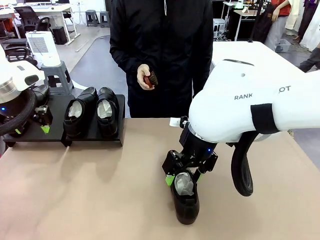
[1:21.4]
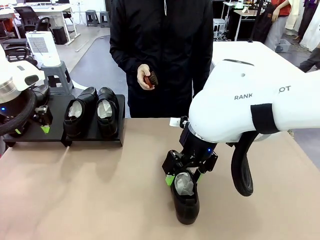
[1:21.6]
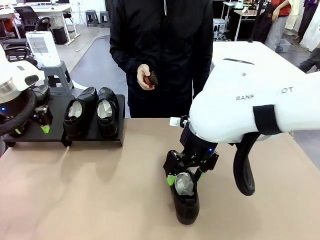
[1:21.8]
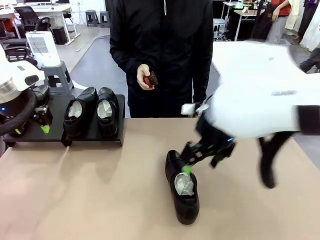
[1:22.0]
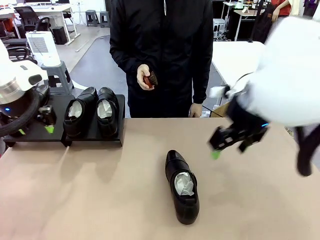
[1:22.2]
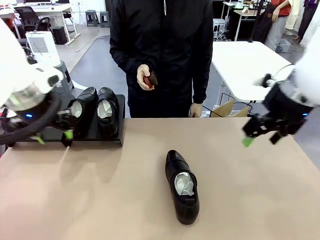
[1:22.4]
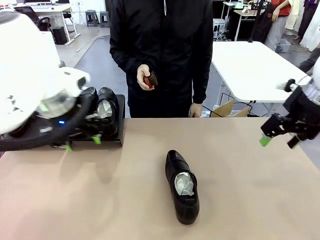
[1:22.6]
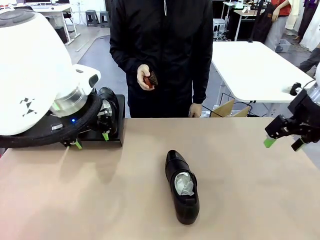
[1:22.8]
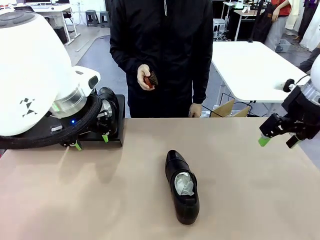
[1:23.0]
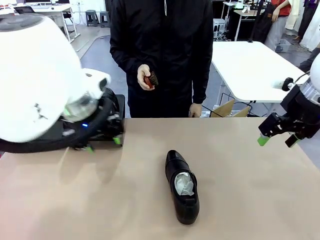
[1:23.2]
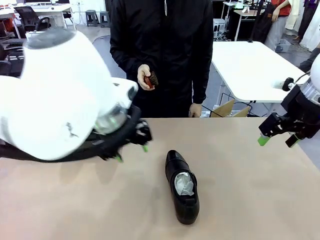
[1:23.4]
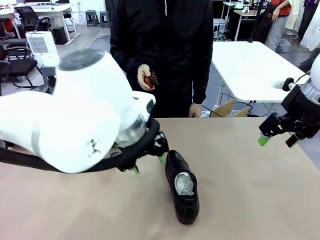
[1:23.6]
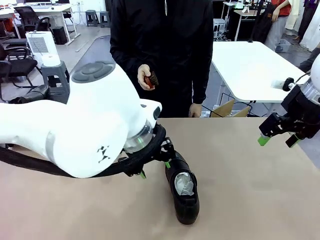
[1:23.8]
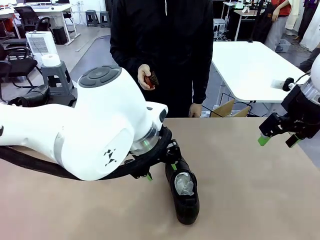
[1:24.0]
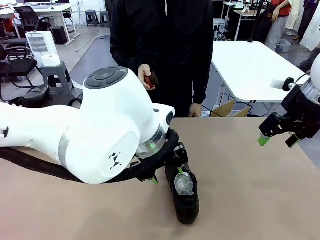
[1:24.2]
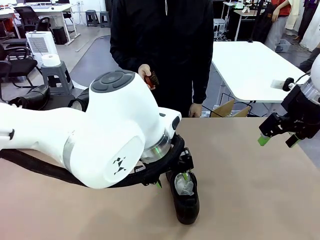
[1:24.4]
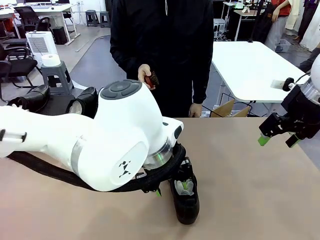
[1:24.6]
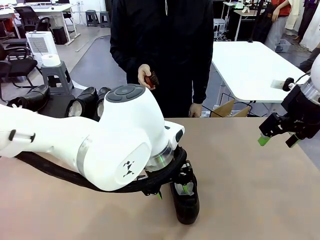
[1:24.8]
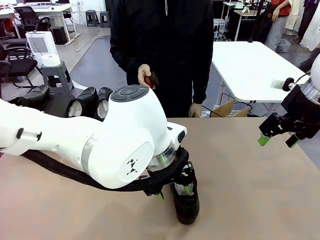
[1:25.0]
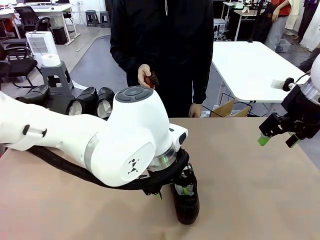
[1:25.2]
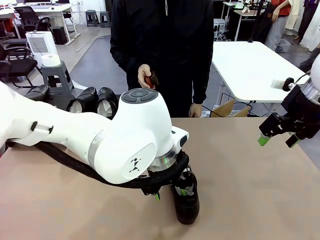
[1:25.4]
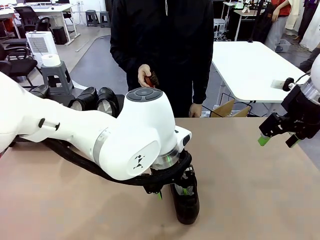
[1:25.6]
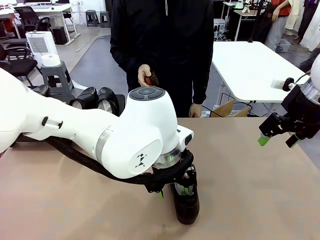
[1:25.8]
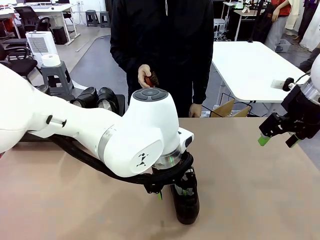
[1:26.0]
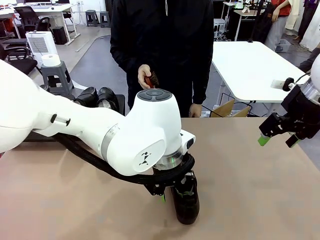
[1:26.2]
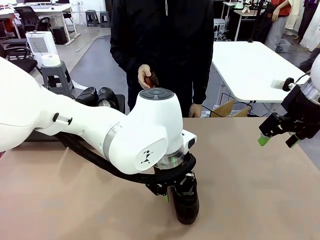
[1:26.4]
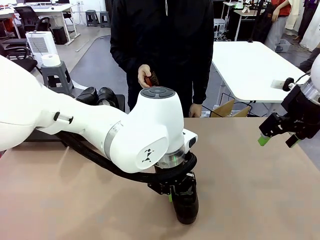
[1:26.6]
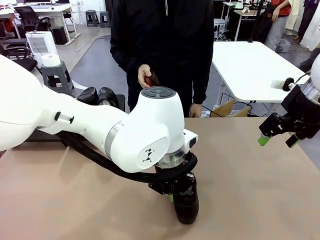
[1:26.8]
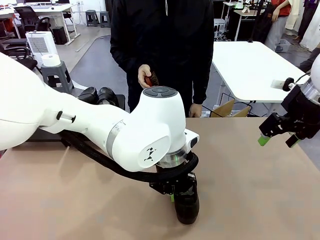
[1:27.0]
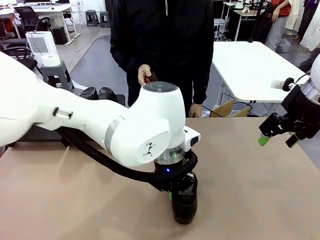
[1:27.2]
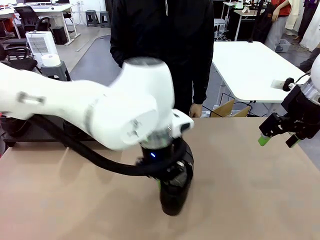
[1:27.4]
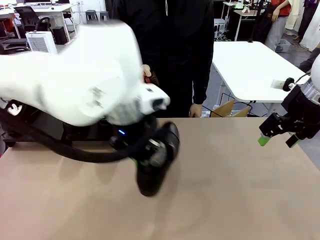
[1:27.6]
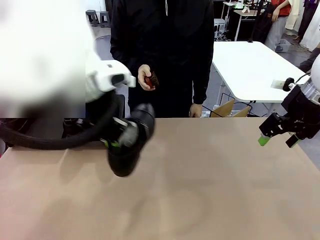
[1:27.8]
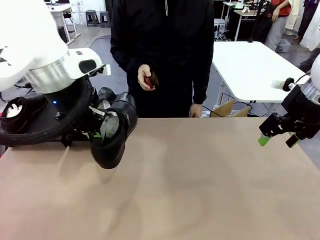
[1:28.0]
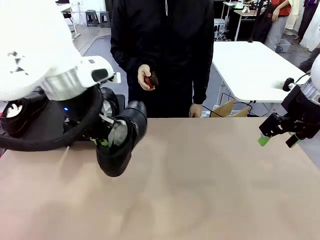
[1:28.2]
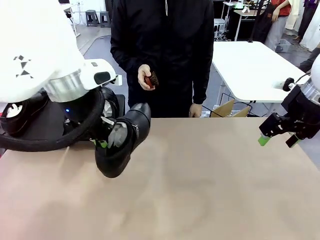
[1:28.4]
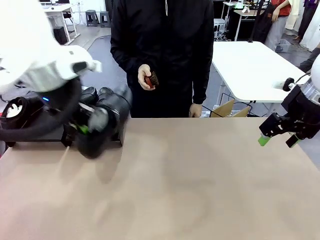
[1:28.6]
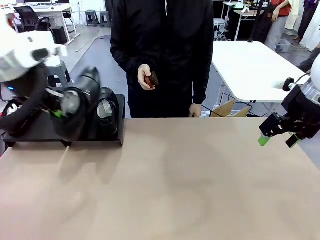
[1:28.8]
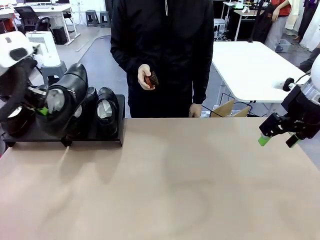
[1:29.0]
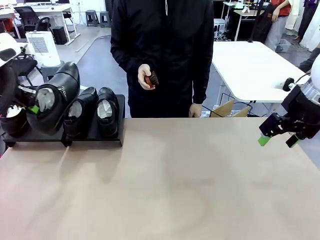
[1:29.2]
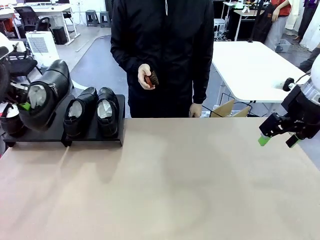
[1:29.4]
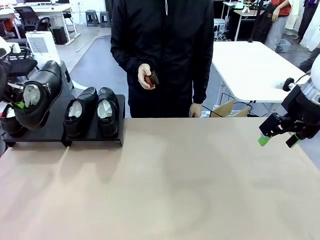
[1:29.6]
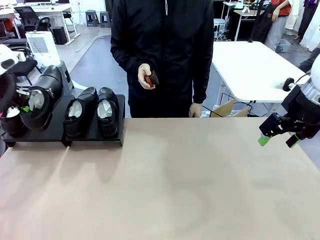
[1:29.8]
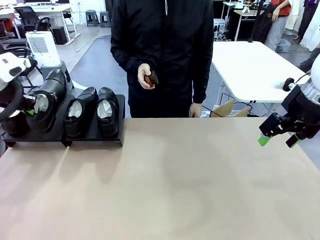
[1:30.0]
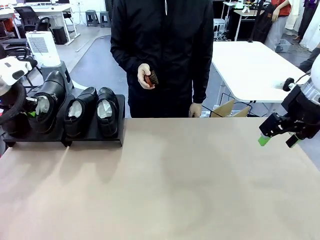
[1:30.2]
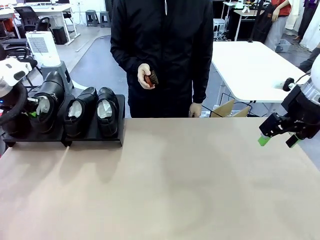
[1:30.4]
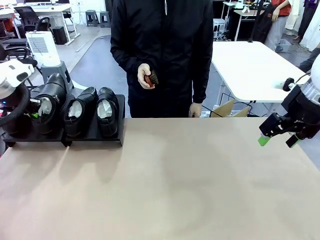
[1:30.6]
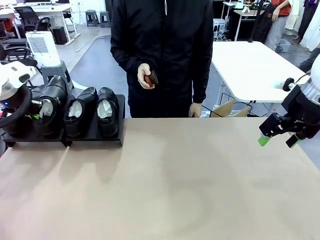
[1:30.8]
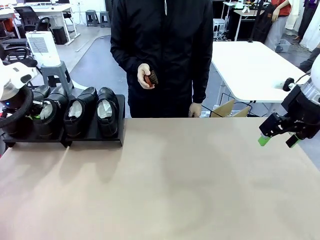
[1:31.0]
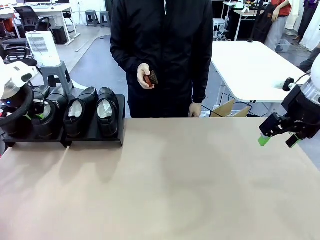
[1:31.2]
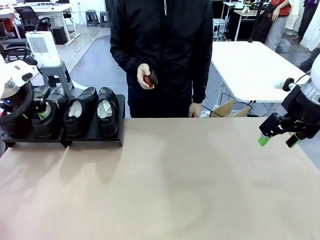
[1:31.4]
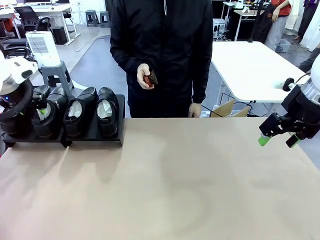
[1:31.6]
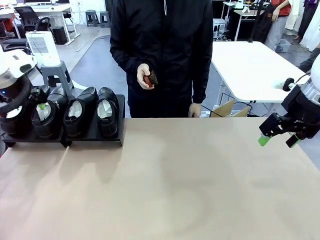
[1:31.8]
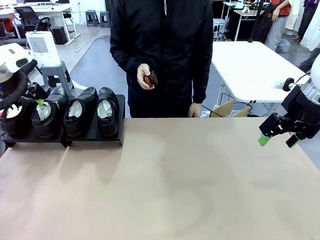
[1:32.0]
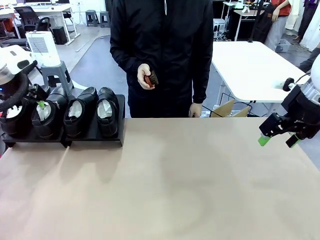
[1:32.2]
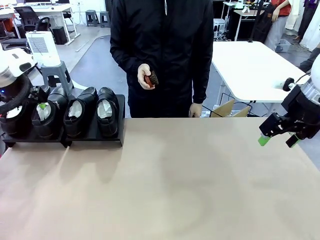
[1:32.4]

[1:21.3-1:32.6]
Task: Organize the shoes by placing them on the stand.
Robot: Place the Shoe from the middle of the table onto the Shoes Stand.

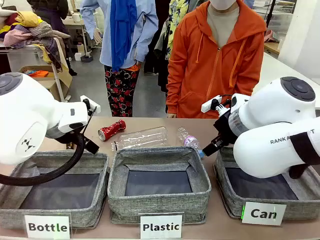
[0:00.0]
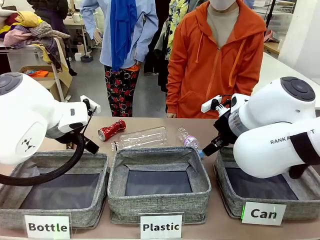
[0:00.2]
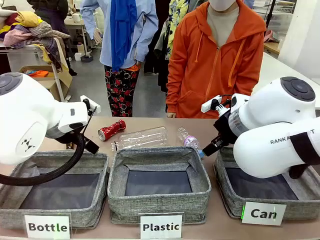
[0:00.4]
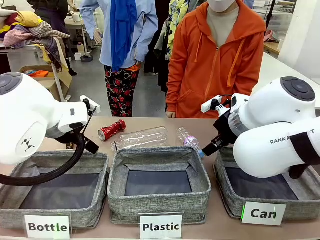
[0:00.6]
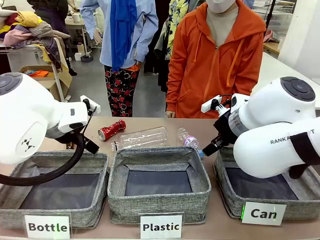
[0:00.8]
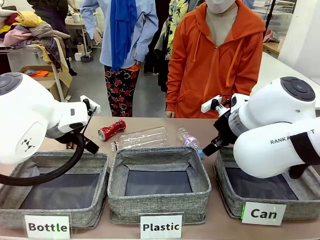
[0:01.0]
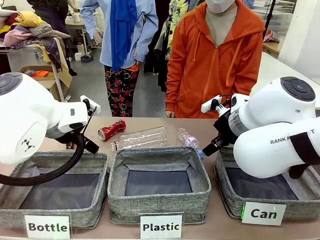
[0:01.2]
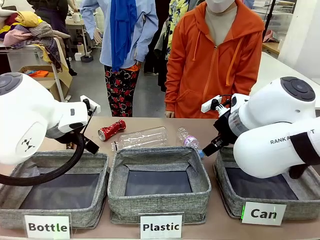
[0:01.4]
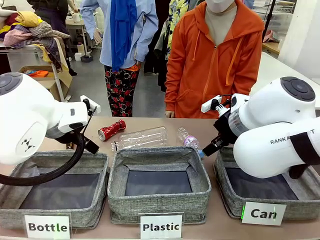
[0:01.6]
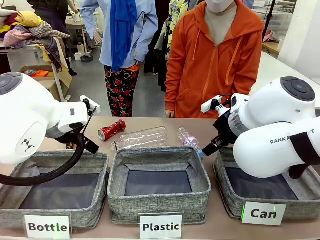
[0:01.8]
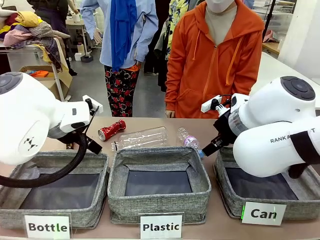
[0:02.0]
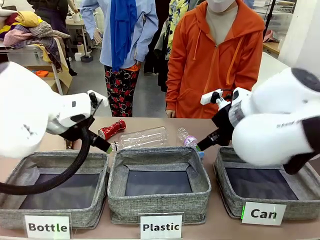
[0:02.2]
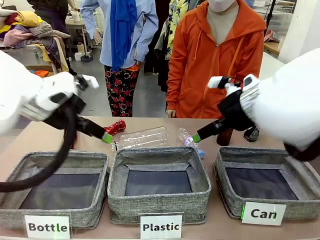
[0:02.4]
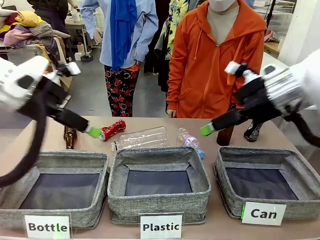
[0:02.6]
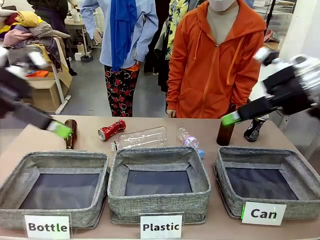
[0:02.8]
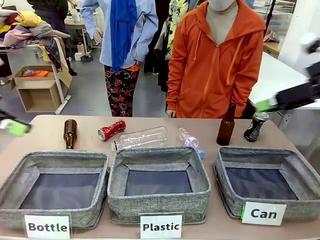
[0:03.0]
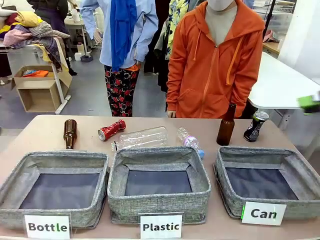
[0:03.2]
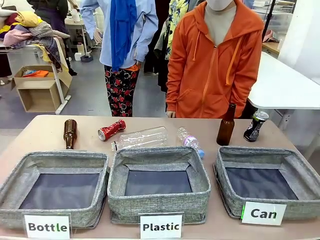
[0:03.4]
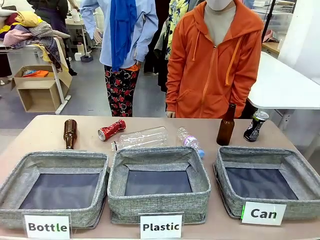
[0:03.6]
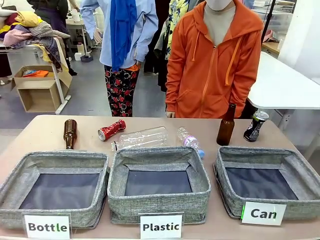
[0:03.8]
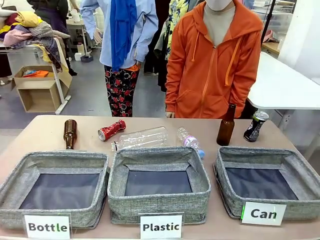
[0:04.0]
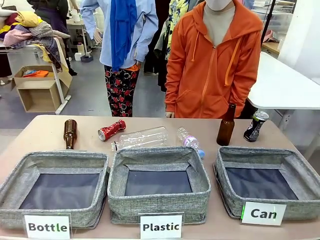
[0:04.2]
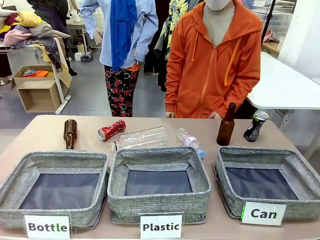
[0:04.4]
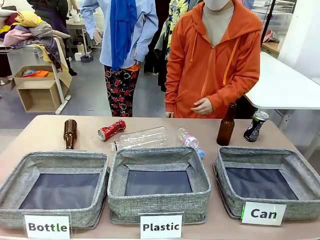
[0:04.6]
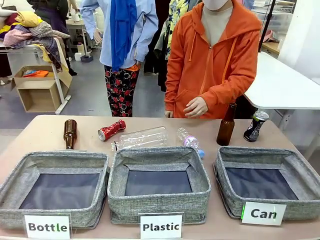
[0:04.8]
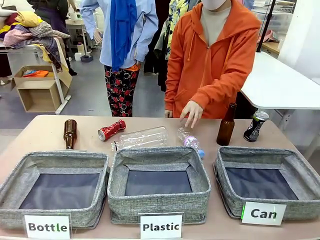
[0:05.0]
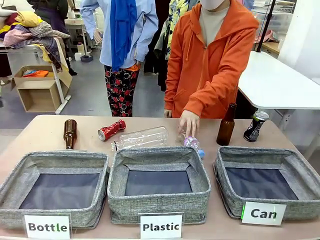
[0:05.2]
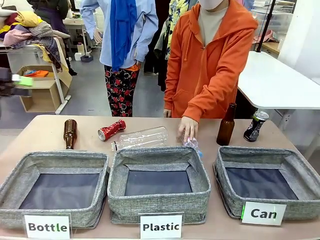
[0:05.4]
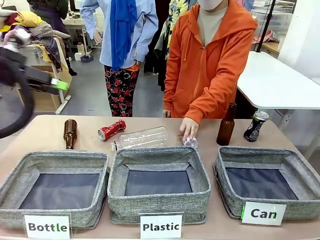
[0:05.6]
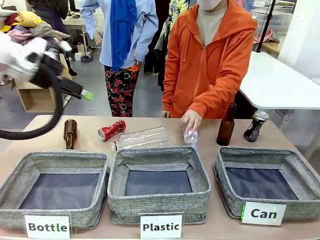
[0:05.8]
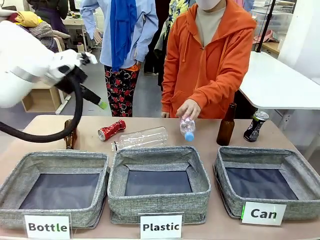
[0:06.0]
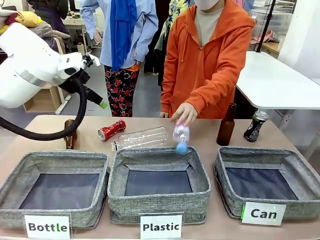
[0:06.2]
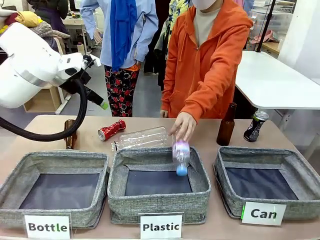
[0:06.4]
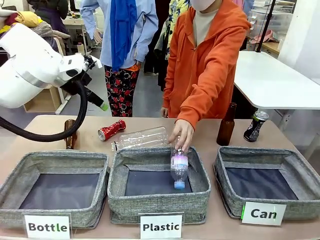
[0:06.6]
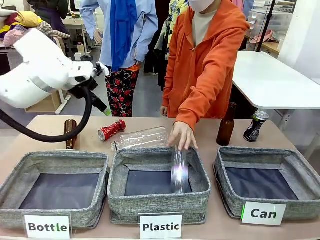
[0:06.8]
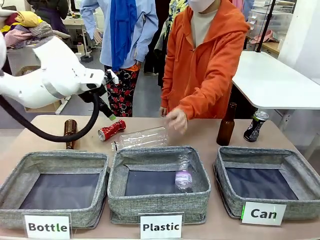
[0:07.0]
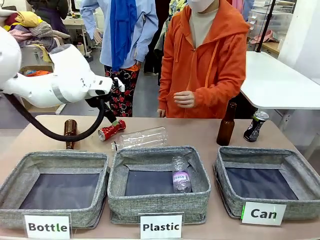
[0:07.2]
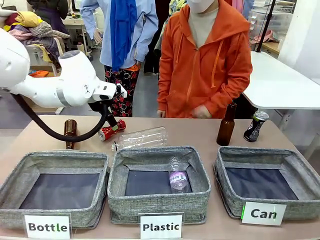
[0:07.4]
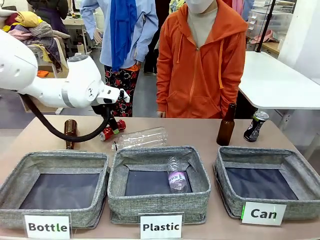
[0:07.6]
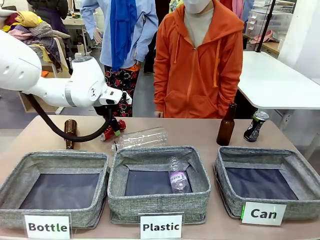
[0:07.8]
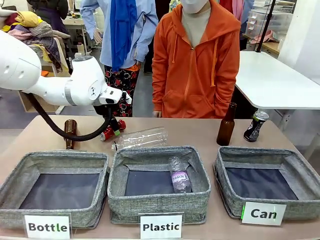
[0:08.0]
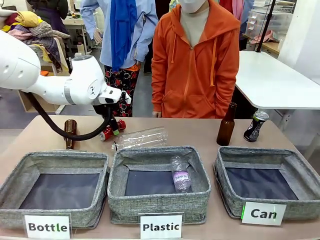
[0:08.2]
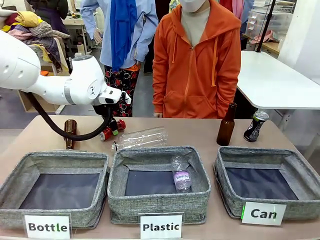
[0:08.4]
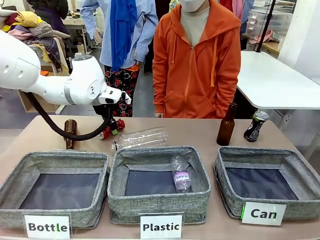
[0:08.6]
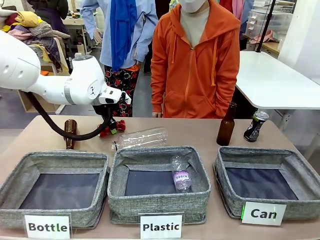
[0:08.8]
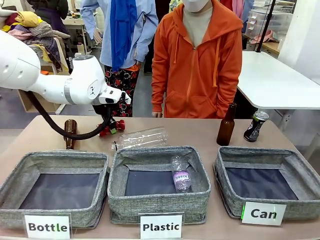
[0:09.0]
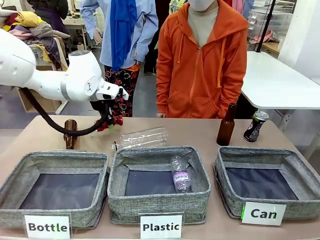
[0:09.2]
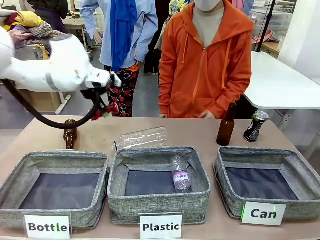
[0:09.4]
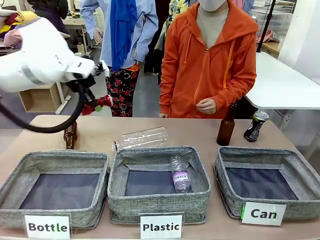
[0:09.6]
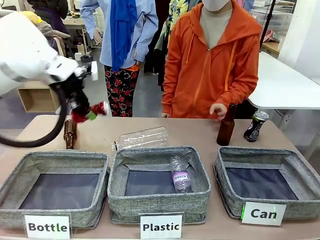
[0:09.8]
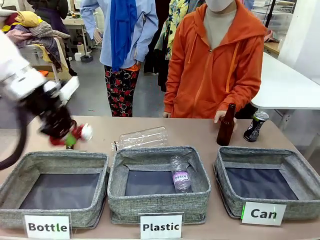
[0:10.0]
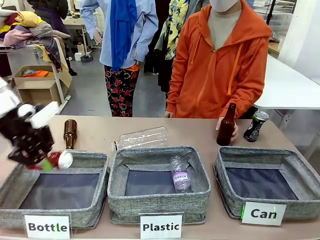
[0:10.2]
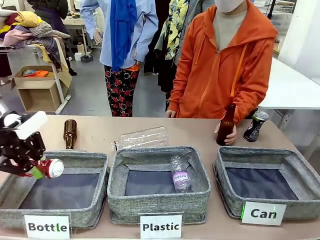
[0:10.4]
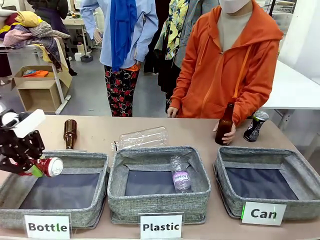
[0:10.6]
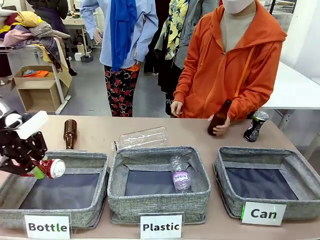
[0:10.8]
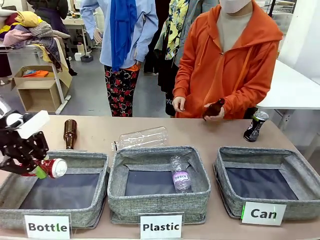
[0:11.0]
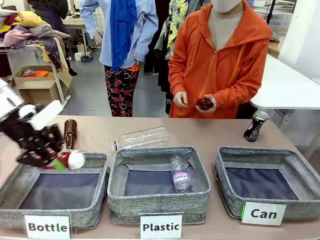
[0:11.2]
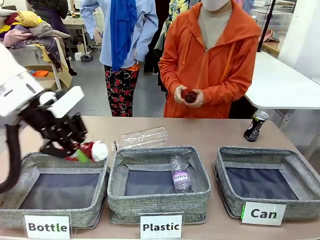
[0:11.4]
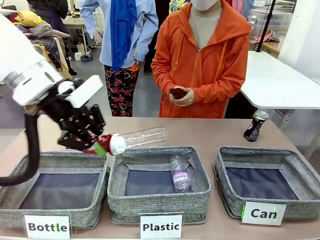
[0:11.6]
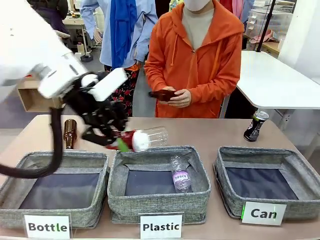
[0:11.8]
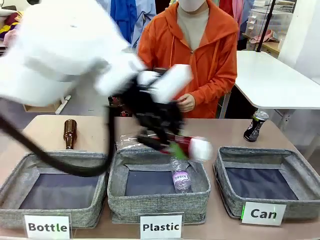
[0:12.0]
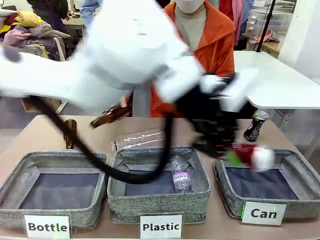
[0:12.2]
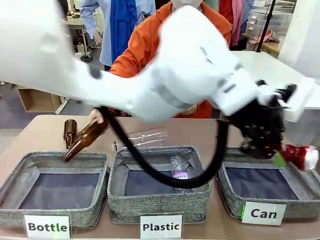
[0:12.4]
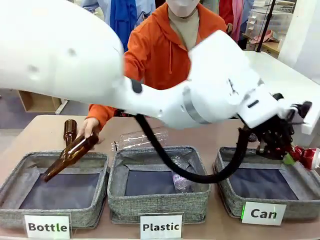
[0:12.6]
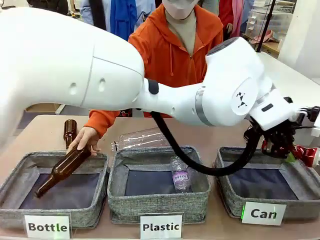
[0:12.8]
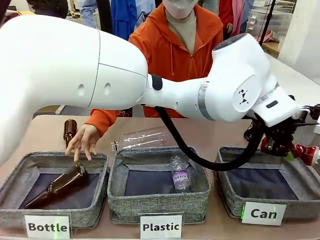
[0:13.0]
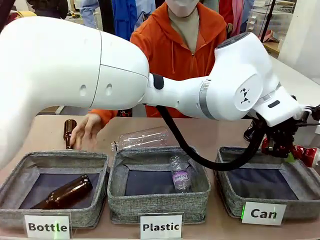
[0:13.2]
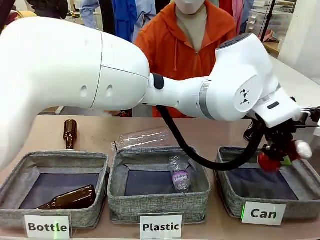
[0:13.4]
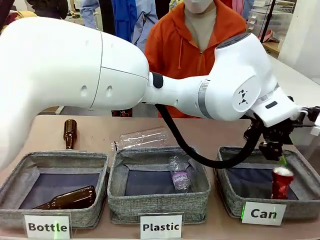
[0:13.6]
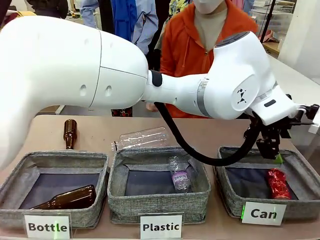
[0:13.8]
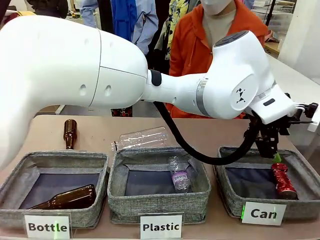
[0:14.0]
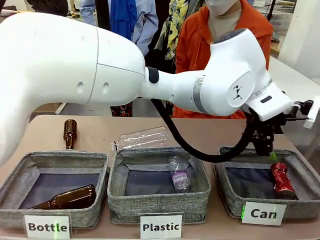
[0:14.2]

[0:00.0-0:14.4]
Task: Sort the can waste into the basket.
Robot: Pick up the can waste from the table and place it in the right Fabric basket.
